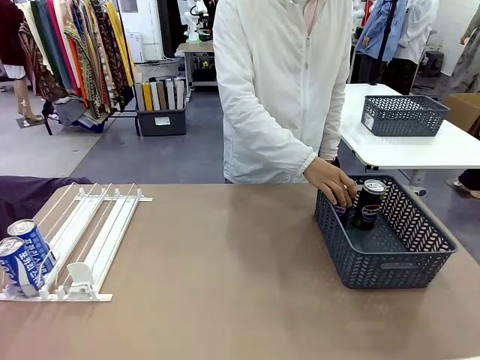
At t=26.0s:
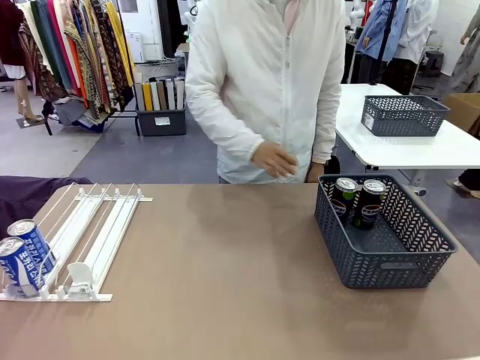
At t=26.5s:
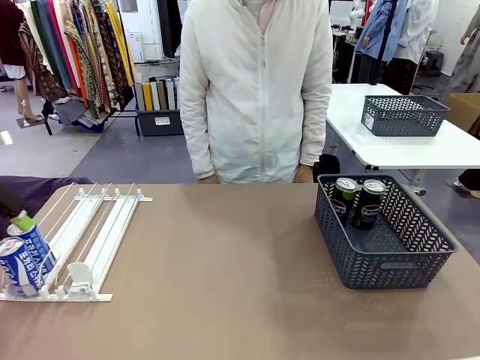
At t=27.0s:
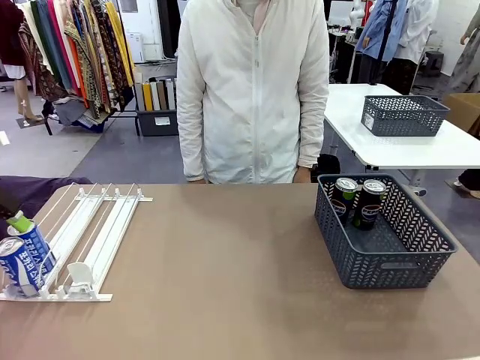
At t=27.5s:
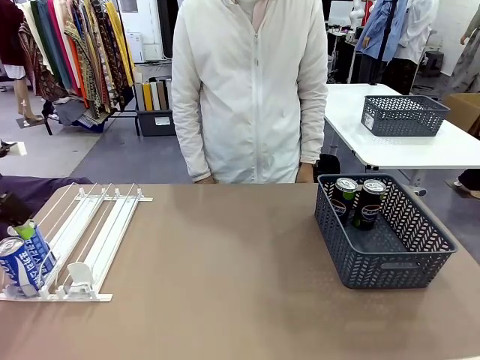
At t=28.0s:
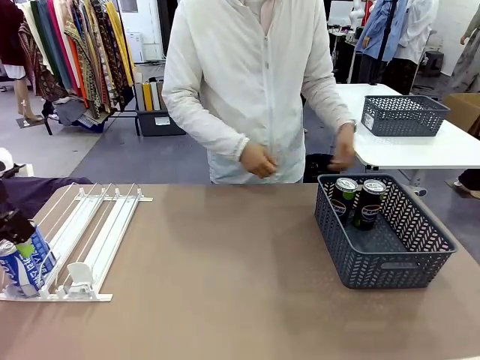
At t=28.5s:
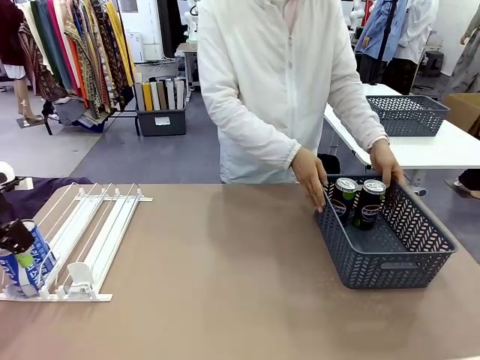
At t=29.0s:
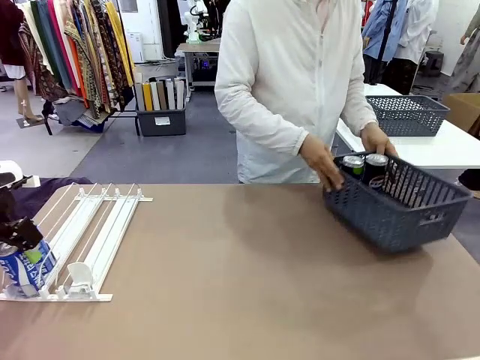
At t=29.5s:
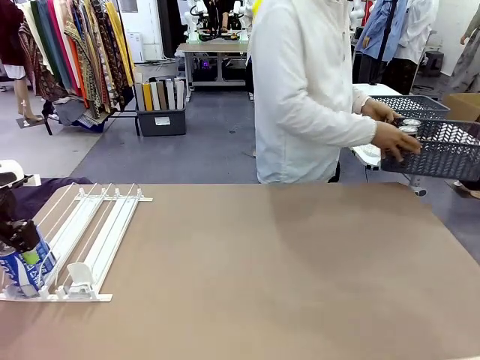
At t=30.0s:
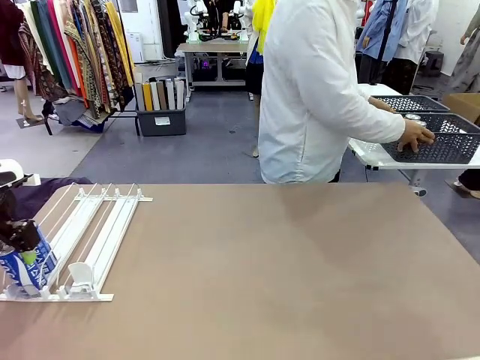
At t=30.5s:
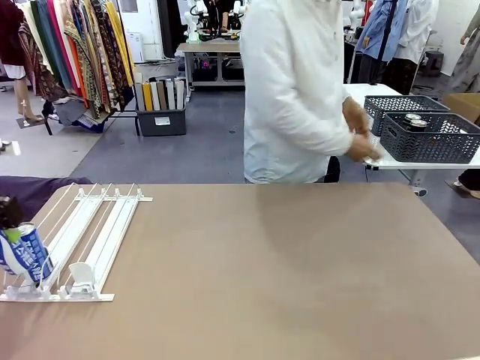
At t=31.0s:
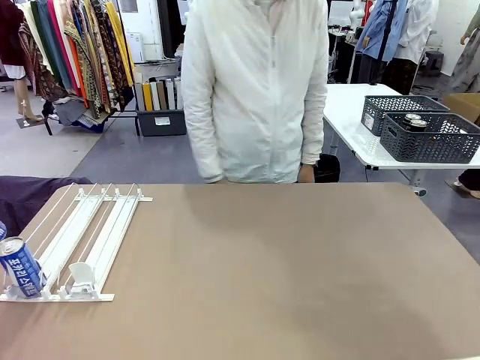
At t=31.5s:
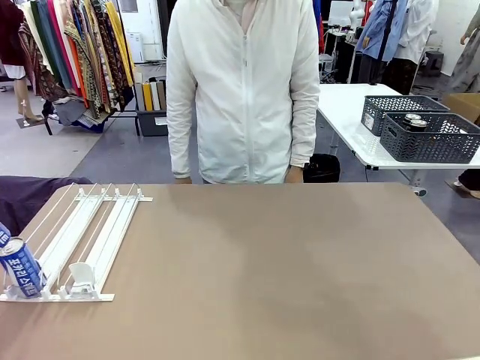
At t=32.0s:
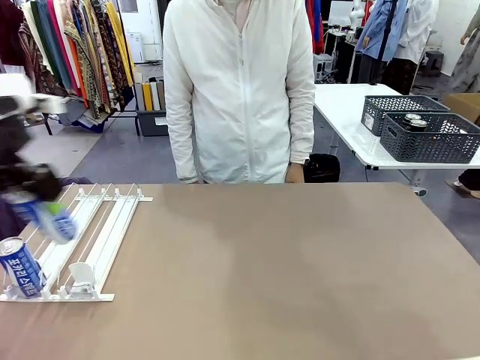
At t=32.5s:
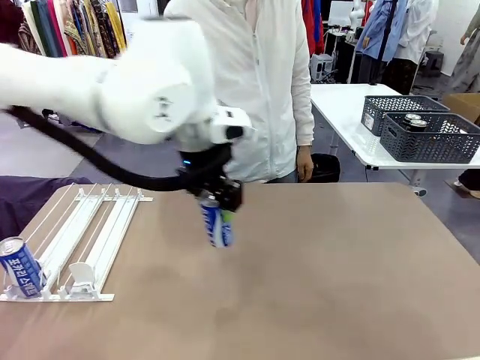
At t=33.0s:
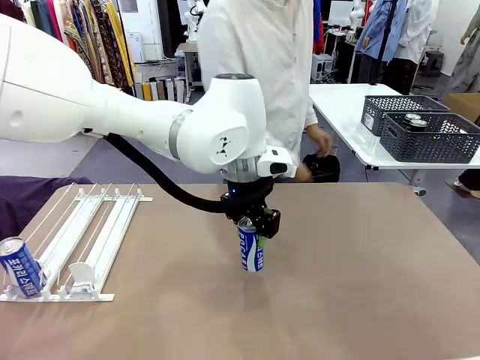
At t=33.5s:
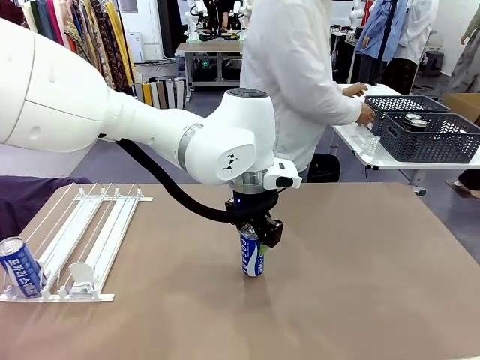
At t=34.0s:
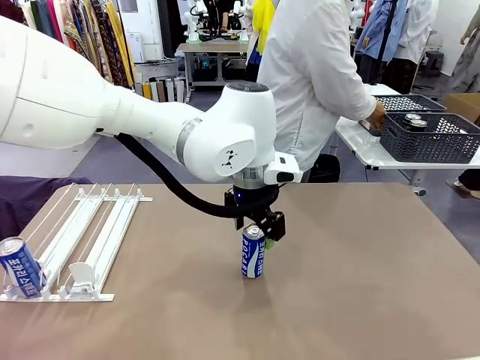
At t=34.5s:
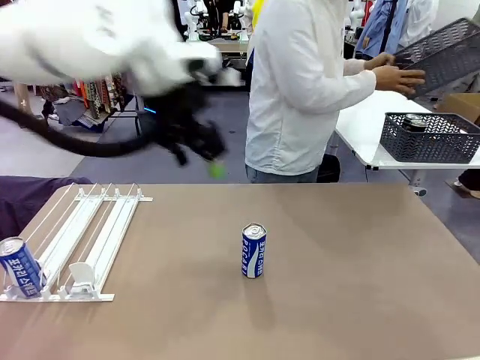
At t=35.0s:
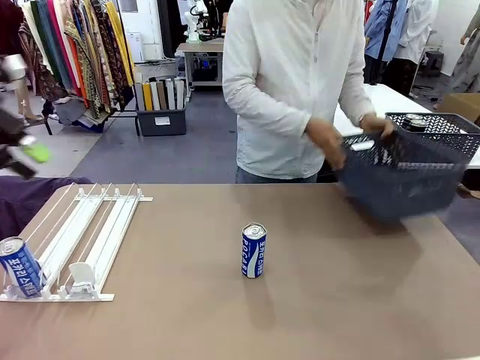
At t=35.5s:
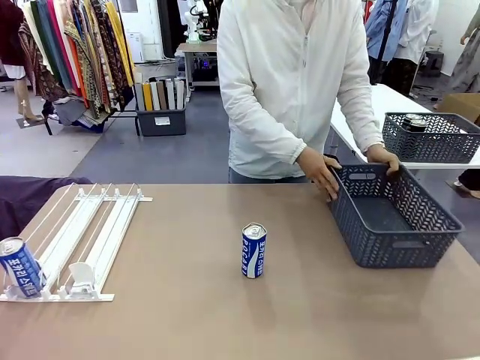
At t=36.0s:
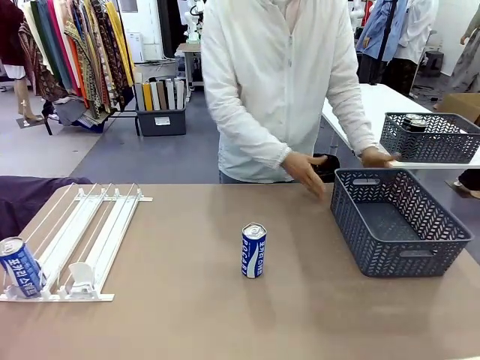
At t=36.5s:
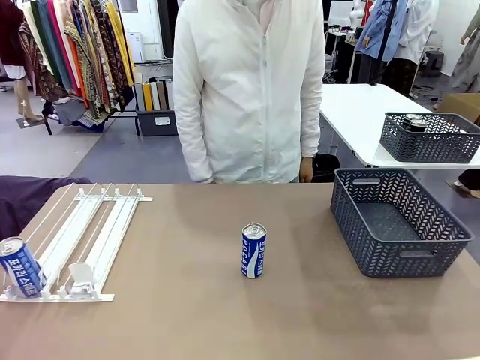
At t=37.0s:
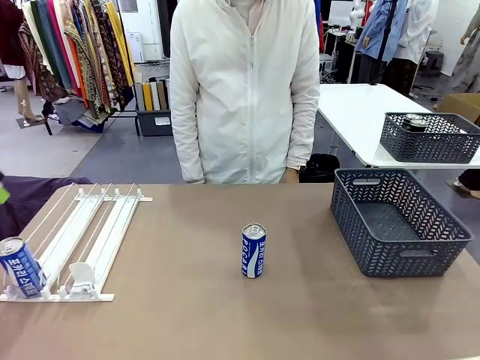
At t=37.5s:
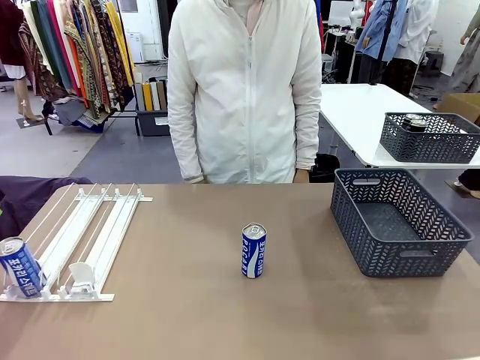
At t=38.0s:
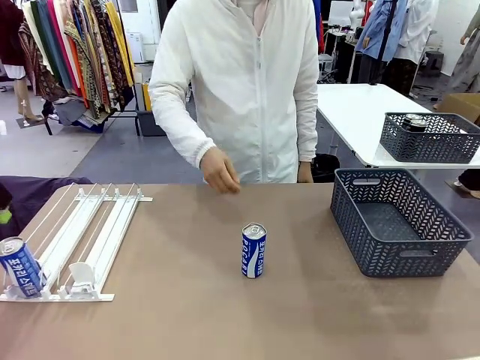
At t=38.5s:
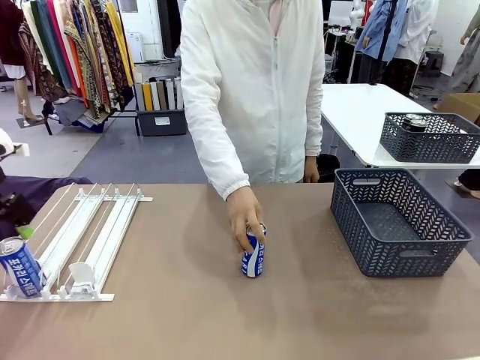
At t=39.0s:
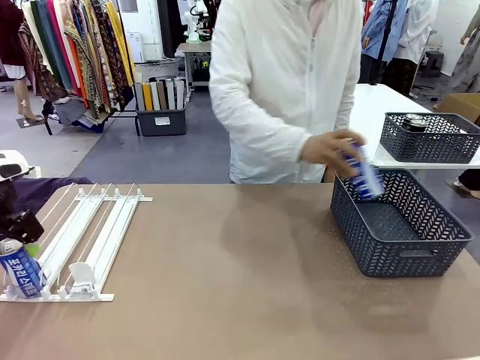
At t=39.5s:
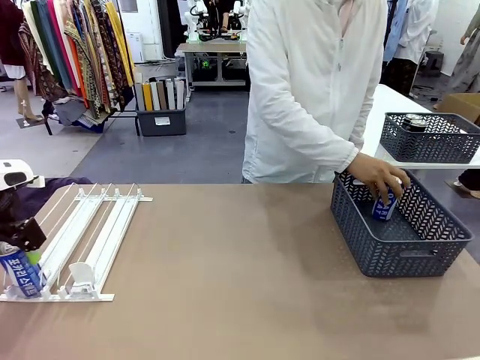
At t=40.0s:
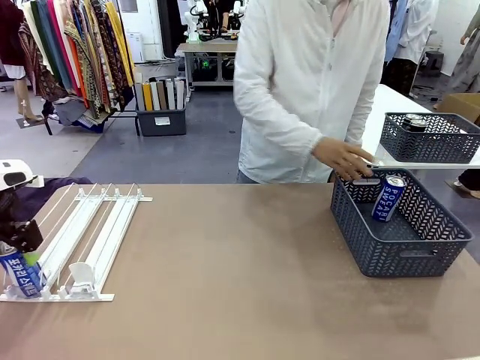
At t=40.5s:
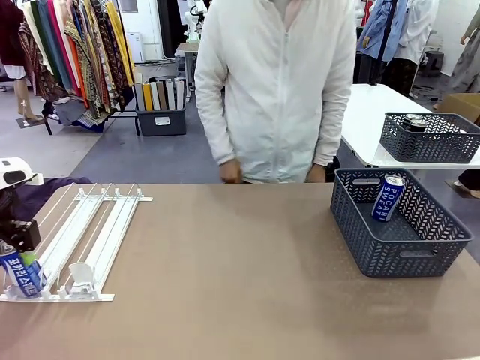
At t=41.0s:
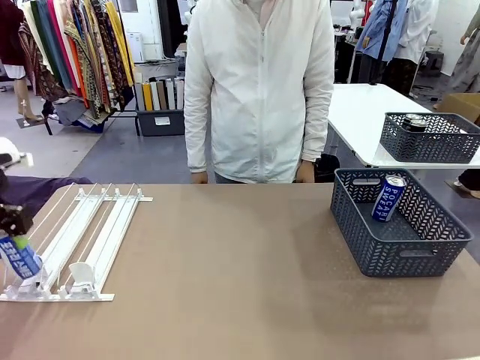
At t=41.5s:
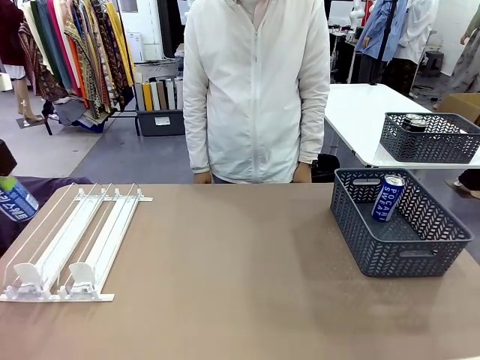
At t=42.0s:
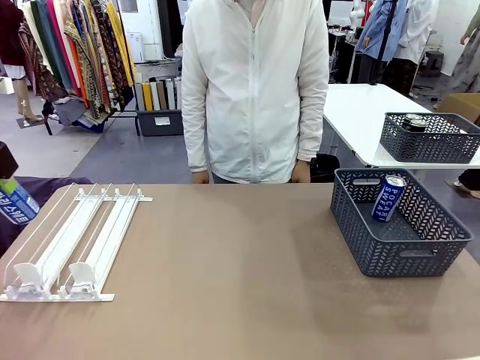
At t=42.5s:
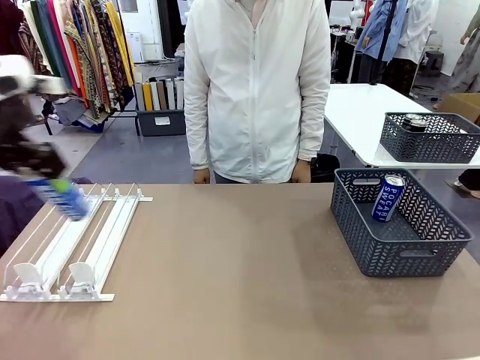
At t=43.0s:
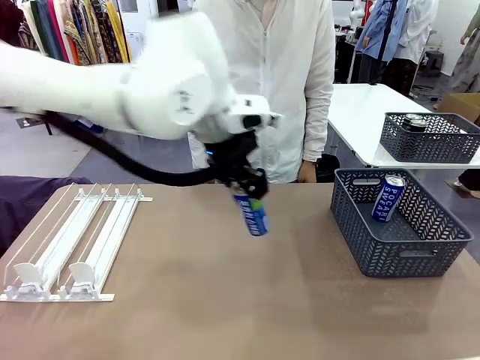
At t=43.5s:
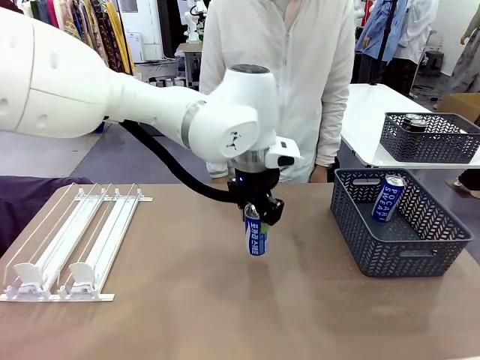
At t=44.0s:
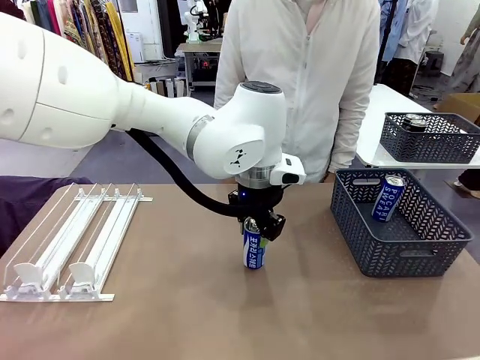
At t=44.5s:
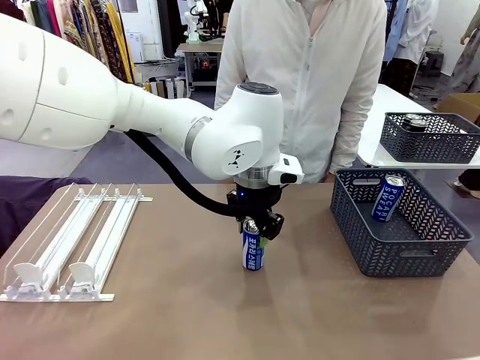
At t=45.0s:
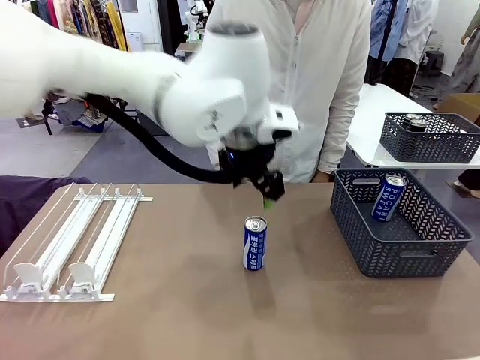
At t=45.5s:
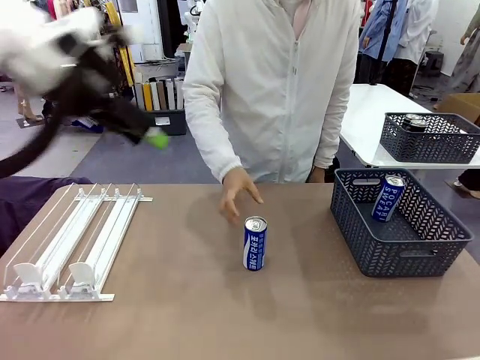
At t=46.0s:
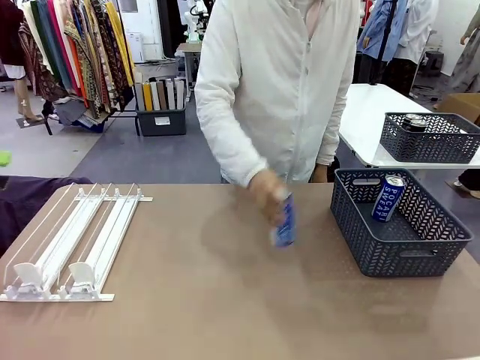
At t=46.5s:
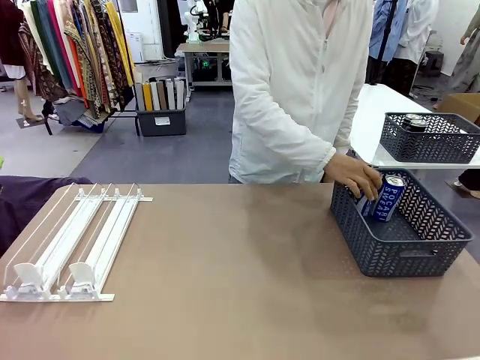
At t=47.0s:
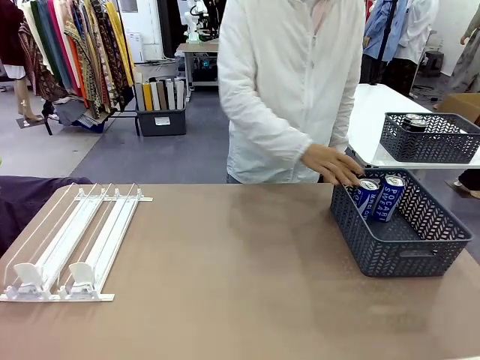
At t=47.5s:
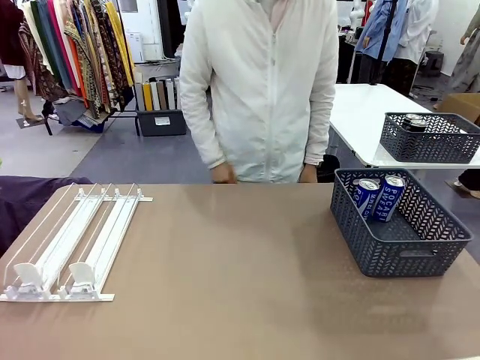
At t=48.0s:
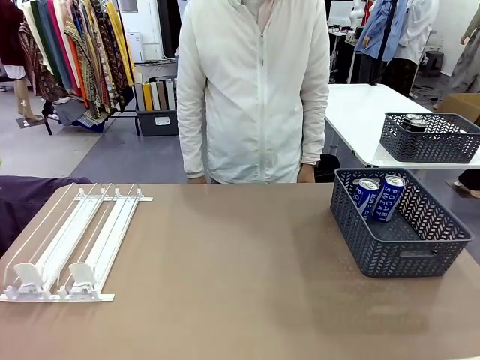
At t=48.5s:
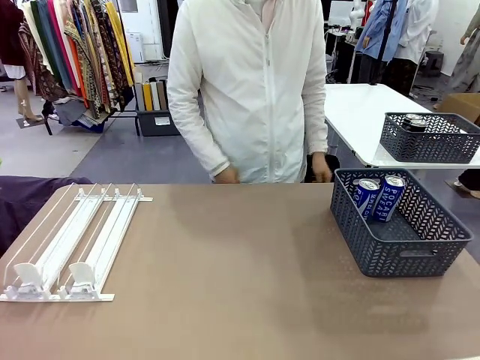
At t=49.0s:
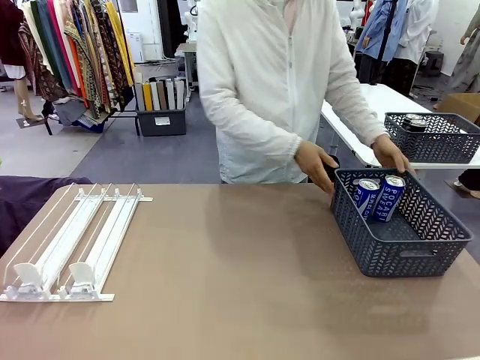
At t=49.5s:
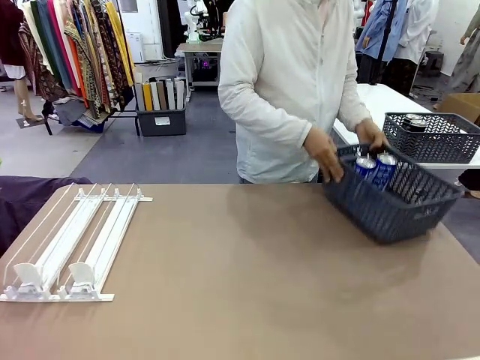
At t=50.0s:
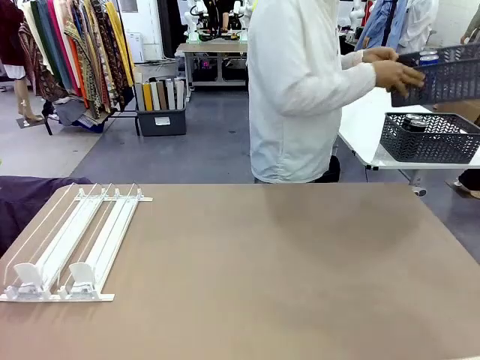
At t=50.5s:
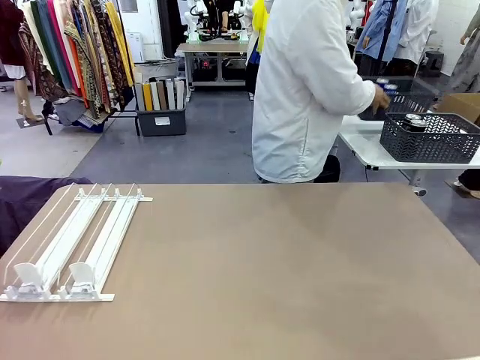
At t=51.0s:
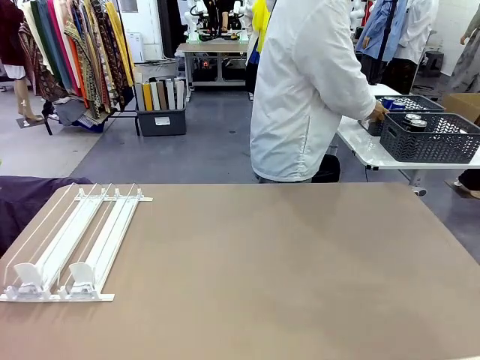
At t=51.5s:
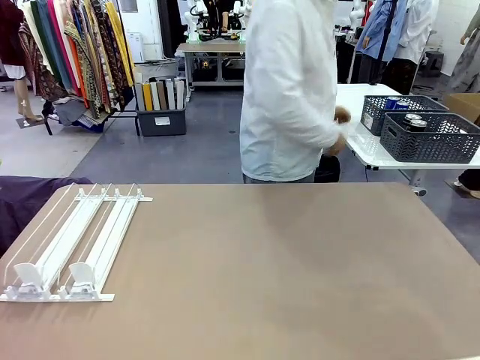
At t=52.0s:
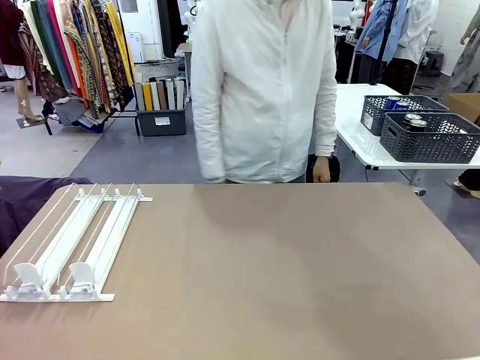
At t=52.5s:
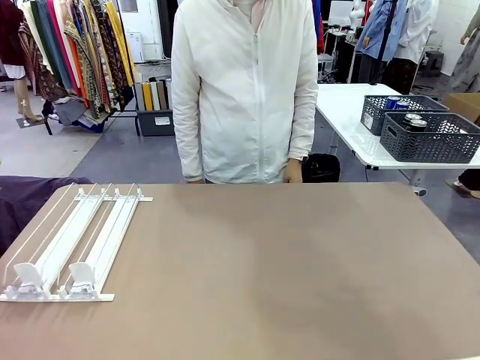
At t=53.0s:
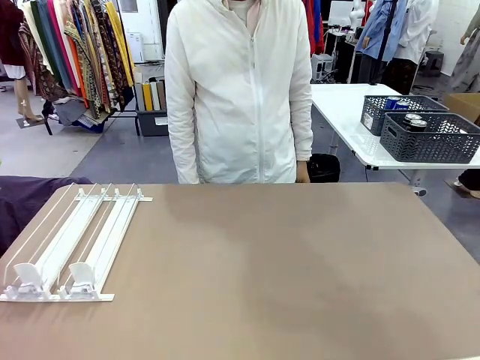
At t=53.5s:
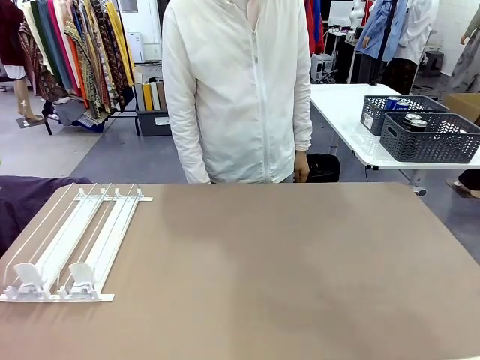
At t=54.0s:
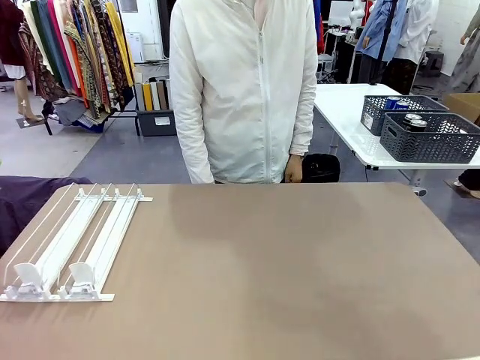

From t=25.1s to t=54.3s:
Task: Retrieve and store the cans from the dispenser.
Robot: Pick up one can from the Automatic Can Dispenser and place it in the middle of the table.
Person: Pick up the basket and place it in the middle of the human table. Pick up the empty basket and place it on the left side of the robot table. Pick up one sports drink can from the middle of the robot table and place it in the basket. Pick up the basket and place it in the middle of the human table.
